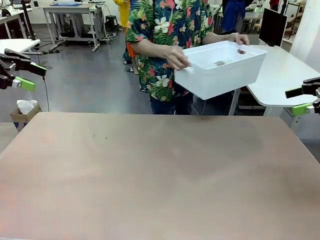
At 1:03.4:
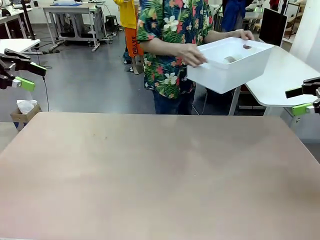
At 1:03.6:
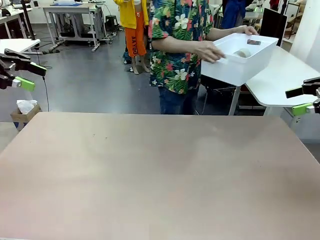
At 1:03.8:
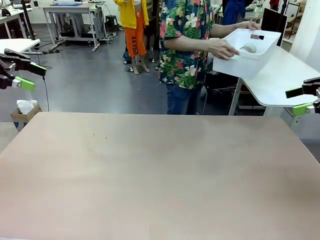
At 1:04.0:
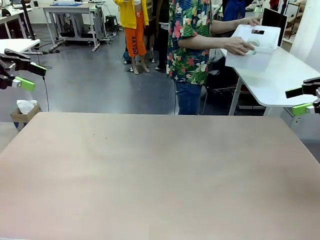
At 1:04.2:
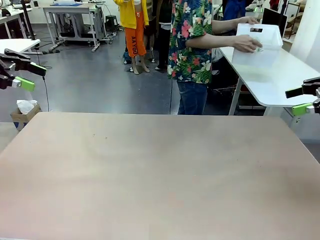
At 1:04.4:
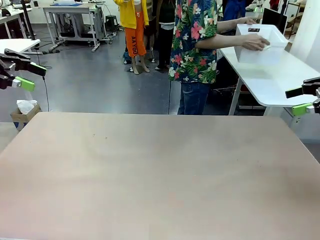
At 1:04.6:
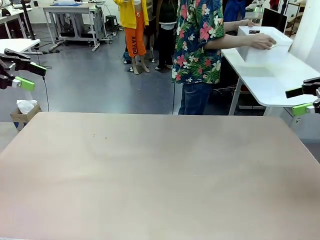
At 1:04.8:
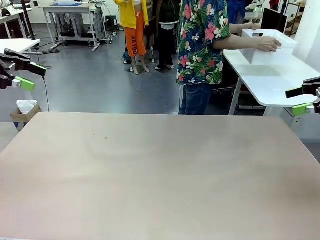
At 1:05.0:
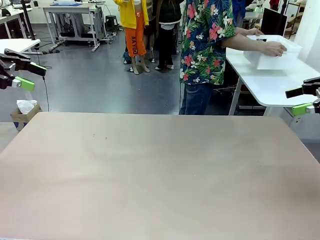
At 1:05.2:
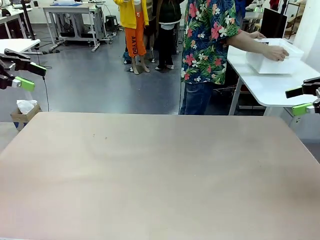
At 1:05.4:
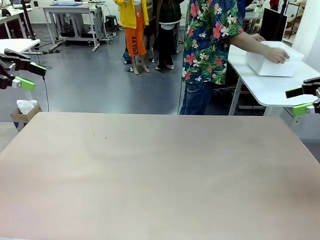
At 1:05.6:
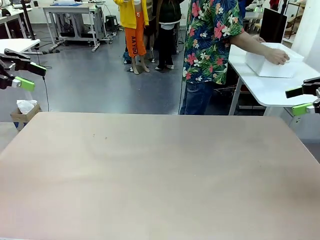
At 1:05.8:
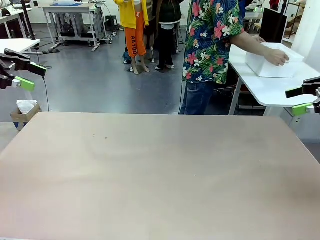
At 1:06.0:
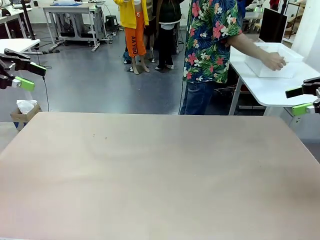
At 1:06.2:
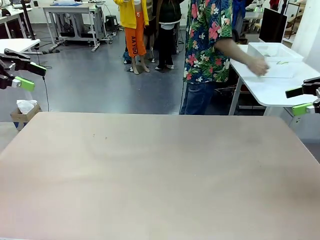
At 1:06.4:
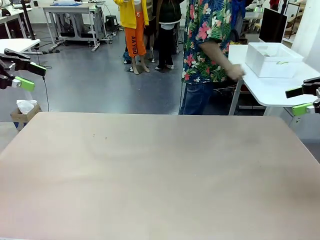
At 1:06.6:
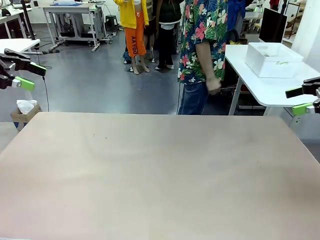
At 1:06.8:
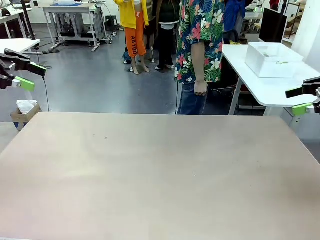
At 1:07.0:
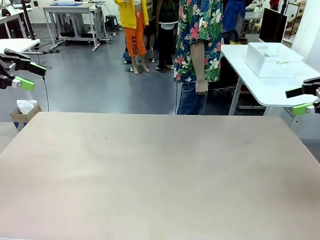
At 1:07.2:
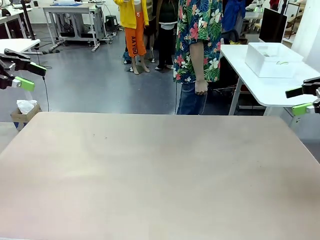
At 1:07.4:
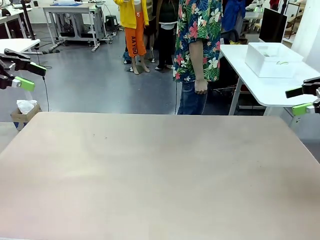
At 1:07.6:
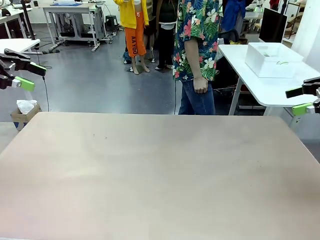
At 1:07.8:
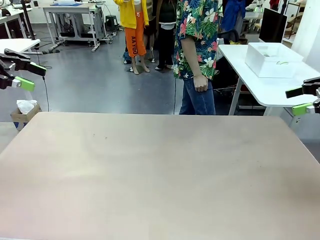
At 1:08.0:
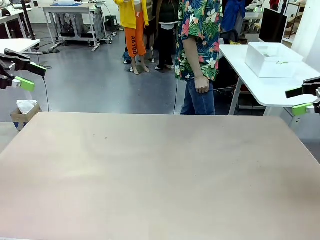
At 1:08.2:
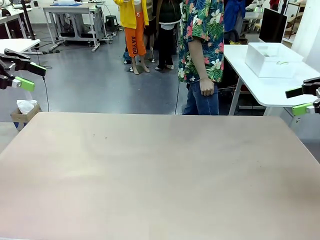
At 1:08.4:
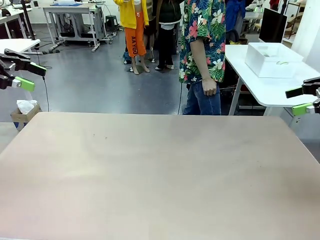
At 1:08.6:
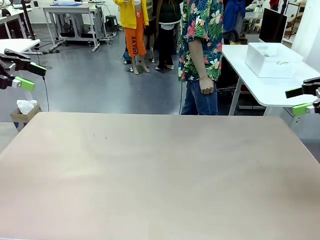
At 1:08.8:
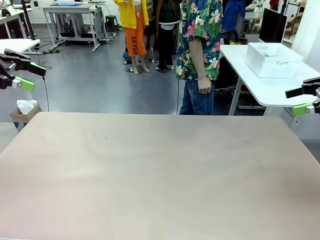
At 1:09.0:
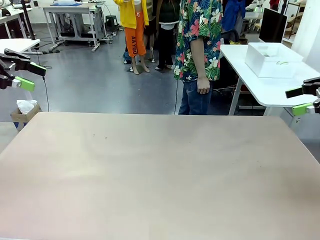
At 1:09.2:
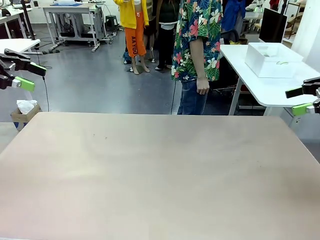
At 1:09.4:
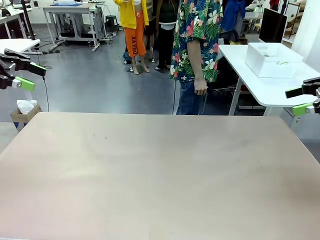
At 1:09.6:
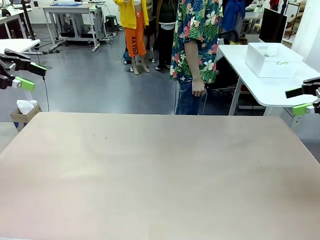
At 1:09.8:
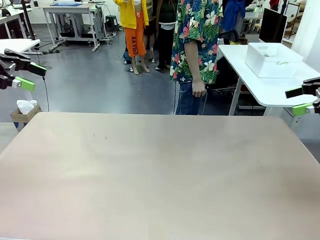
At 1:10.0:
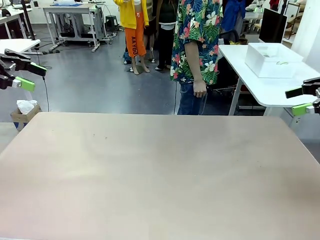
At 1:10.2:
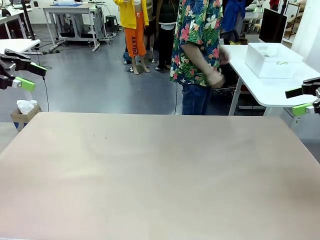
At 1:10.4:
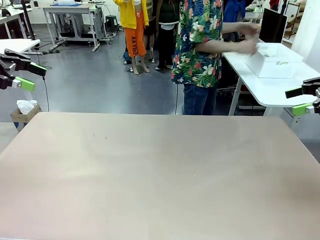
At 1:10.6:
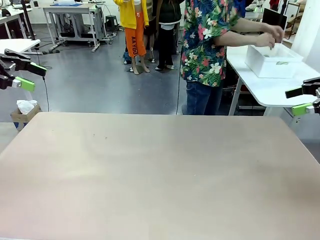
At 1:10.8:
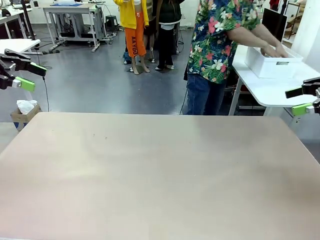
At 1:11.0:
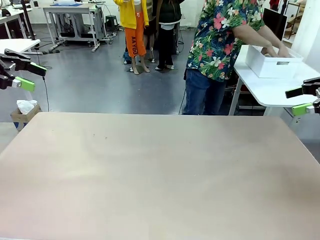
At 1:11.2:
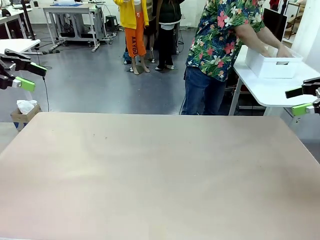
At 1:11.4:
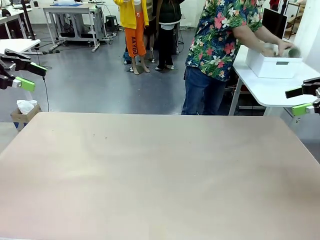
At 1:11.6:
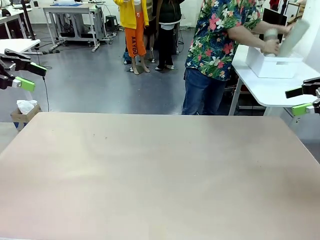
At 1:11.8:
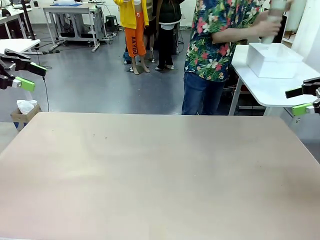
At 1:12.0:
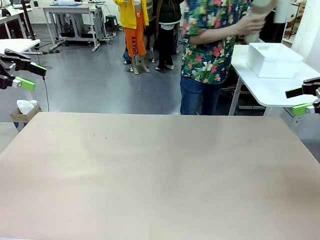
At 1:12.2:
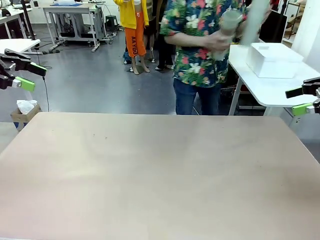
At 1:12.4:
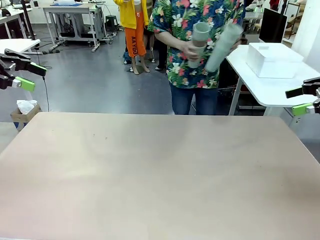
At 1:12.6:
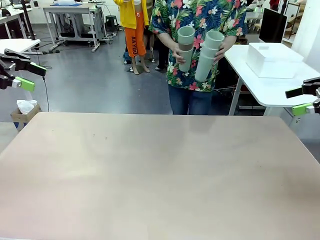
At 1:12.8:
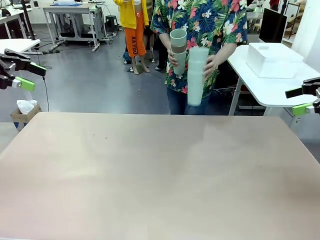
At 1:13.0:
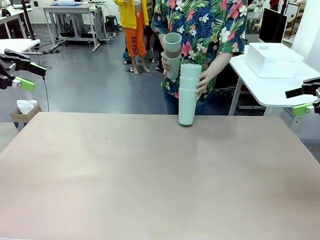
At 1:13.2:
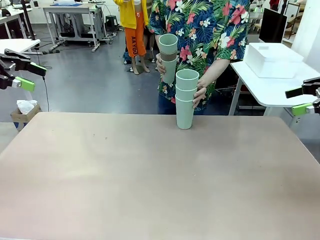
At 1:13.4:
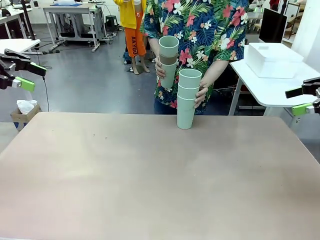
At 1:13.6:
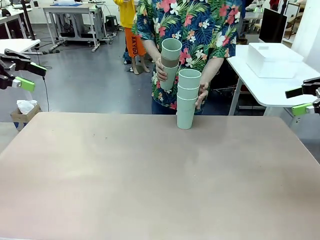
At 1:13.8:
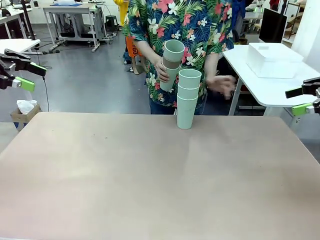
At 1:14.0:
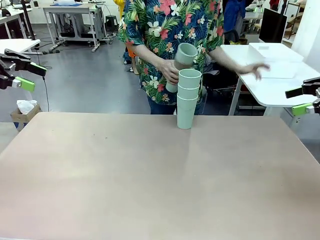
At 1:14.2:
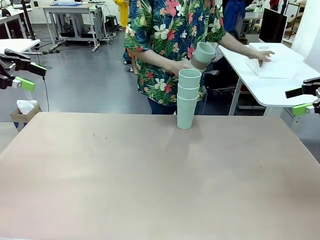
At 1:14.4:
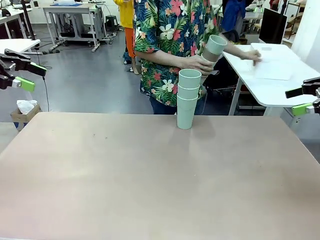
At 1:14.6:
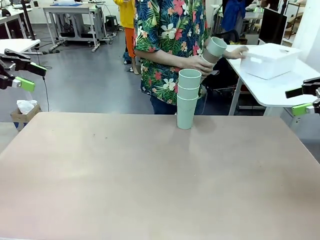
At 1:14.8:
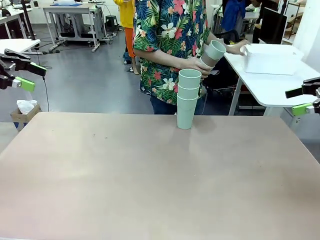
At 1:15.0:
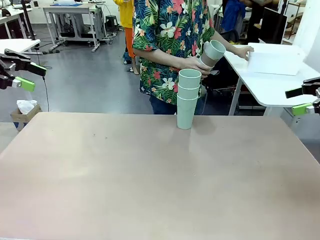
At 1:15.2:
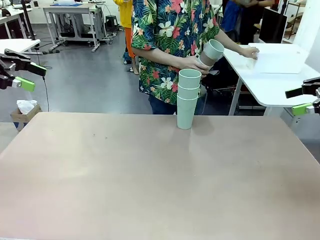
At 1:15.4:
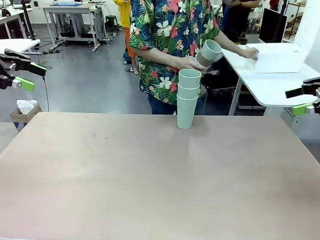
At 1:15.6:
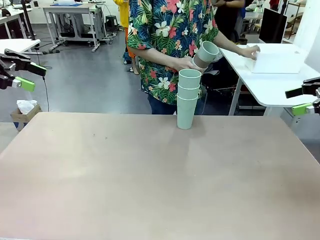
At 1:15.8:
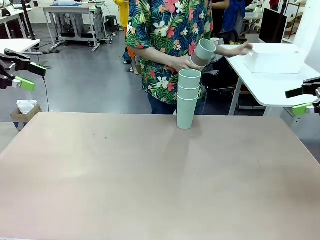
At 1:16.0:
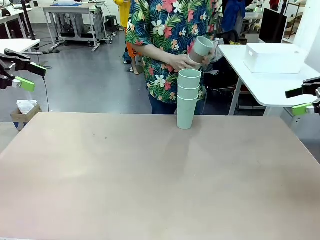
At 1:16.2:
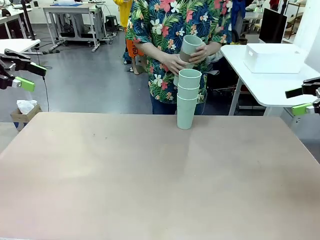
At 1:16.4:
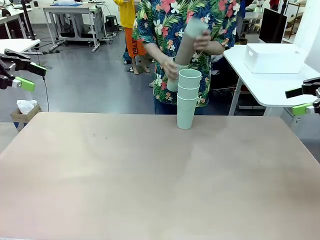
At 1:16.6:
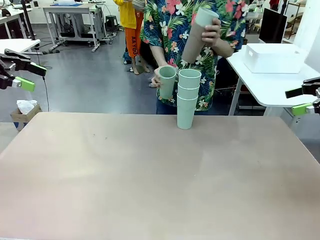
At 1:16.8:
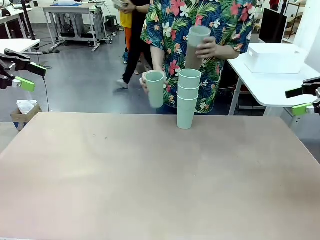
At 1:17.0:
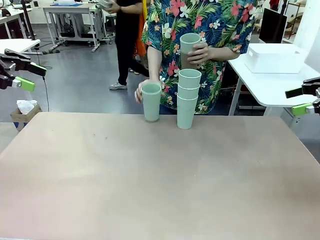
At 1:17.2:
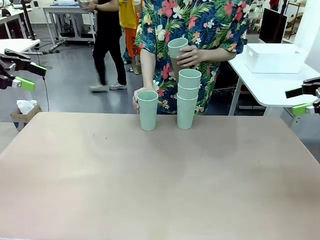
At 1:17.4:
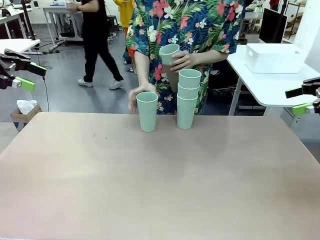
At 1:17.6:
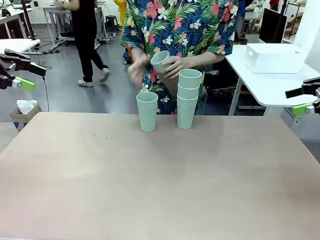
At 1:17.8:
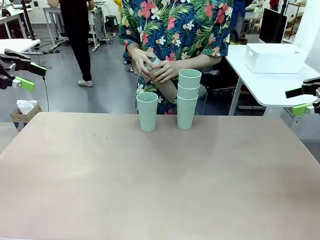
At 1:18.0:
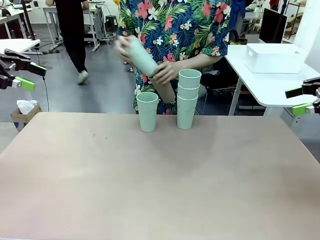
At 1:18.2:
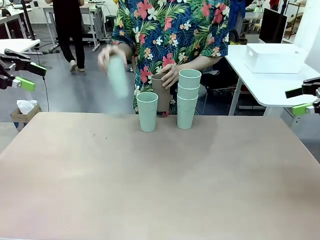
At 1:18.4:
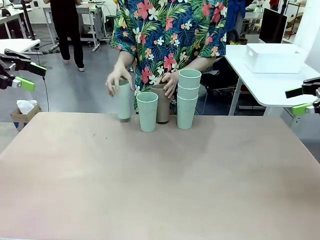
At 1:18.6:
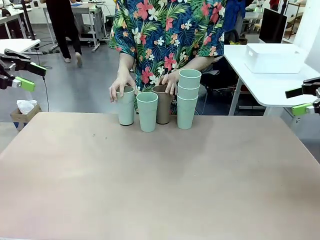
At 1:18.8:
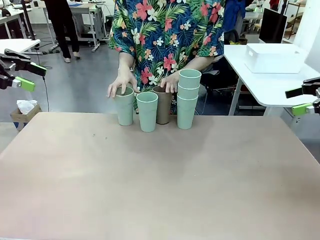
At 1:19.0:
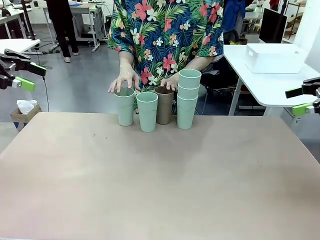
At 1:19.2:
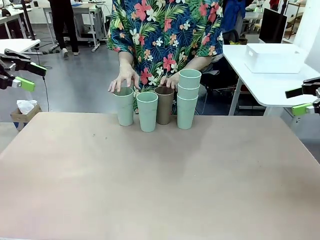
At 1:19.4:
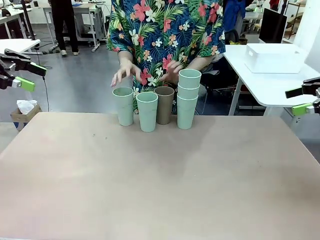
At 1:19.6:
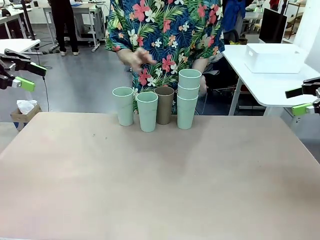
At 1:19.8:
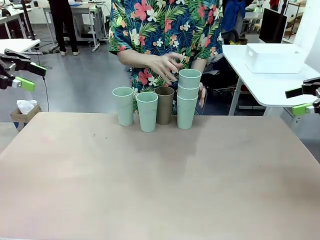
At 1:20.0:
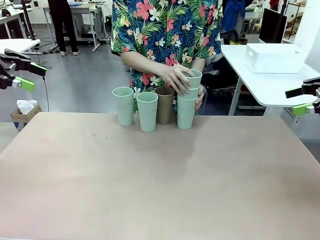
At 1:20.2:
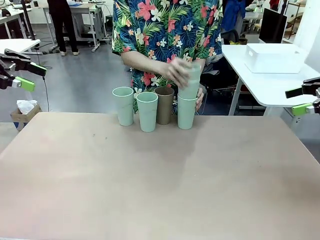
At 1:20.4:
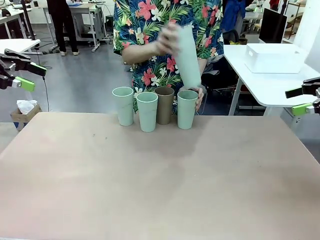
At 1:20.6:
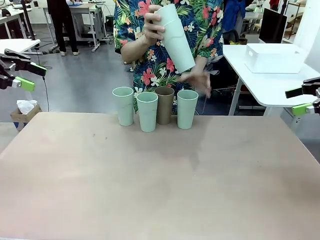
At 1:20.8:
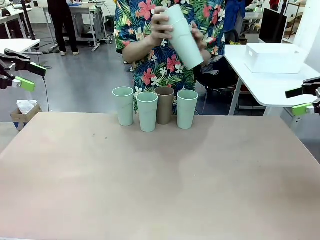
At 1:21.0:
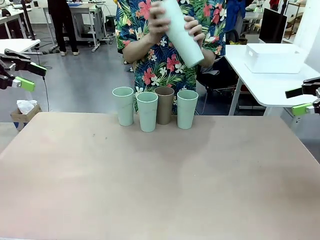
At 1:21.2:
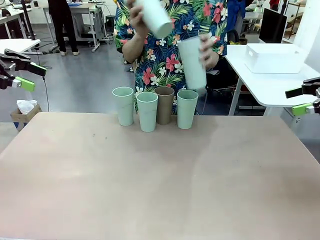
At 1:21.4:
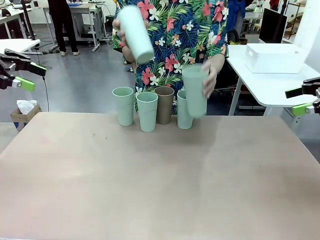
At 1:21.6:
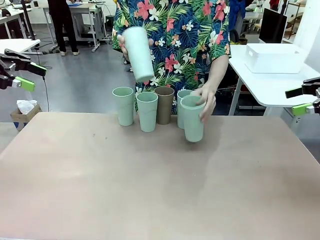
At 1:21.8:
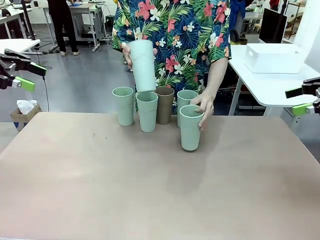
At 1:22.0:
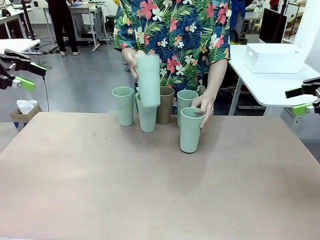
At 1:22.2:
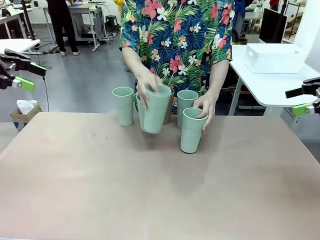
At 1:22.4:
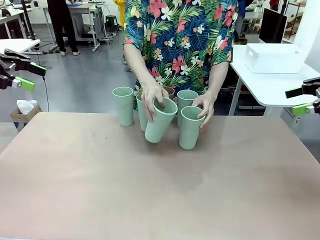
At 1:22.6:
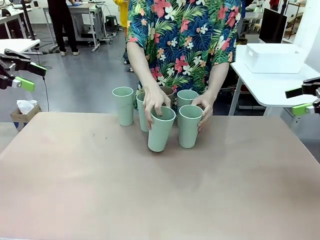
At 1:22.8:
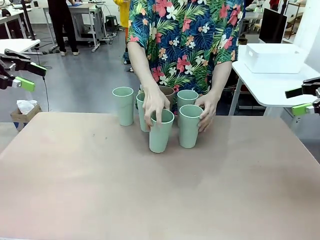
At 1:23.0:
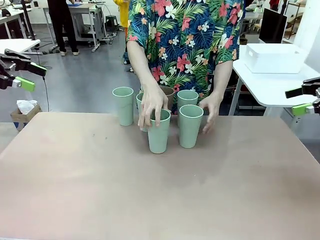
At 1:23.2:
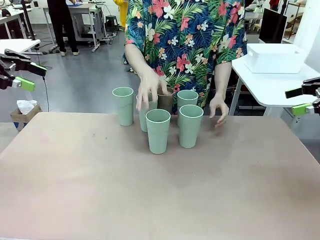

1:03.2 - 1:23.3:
Task: Stack the cups and store them in the basket.
Robot: Place the stack of Reusable plastic cups into the Pantry Basket.
